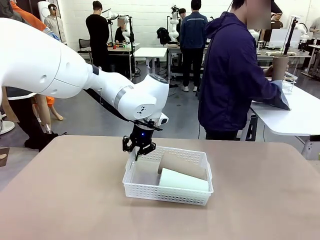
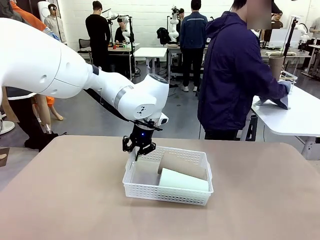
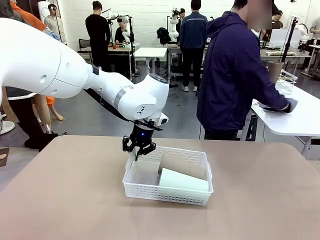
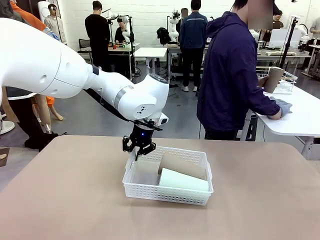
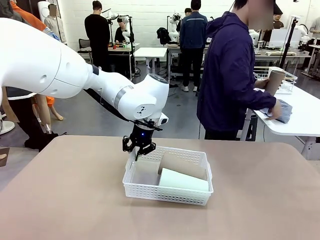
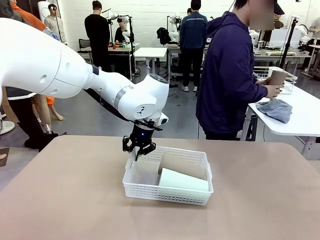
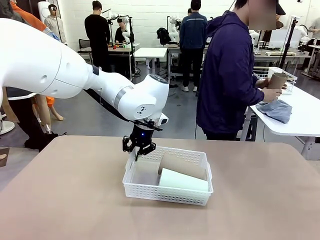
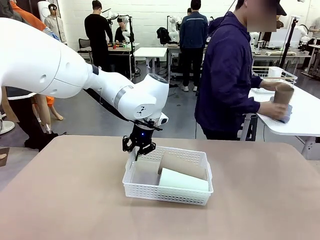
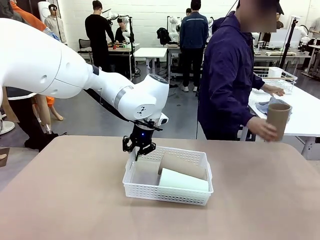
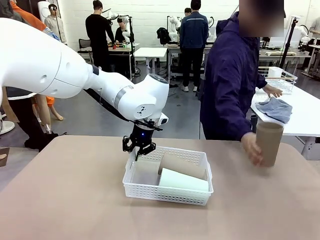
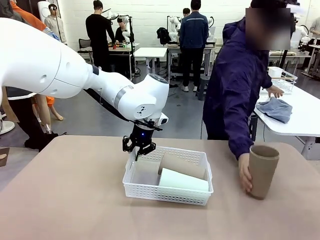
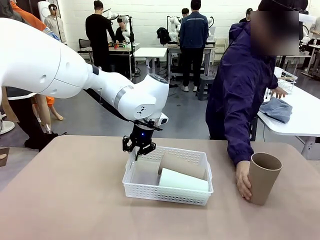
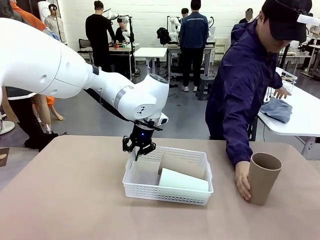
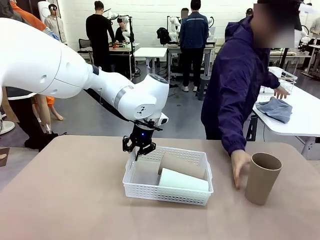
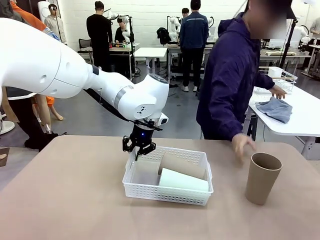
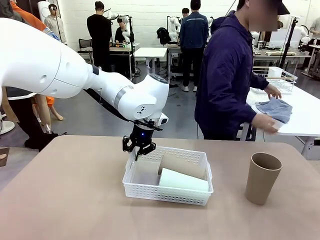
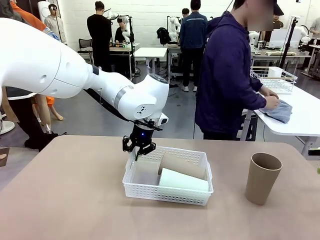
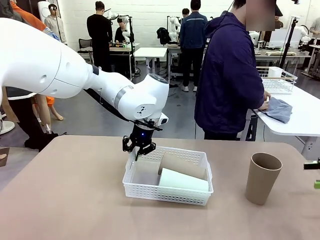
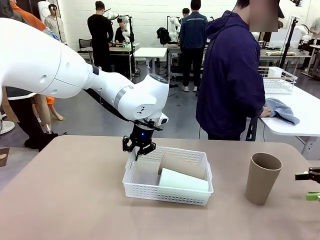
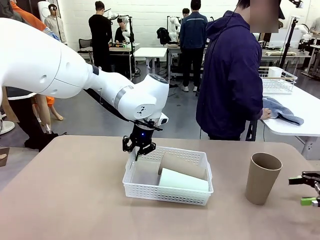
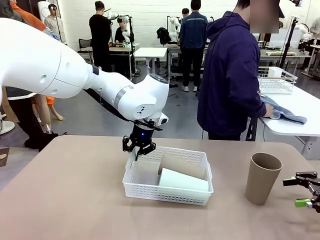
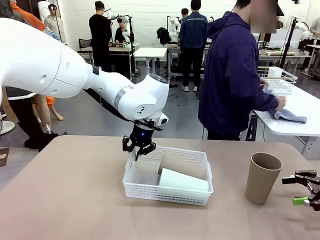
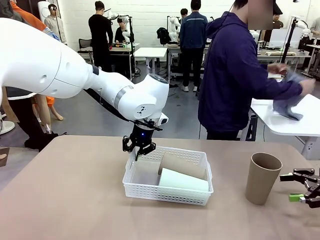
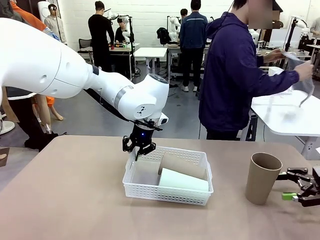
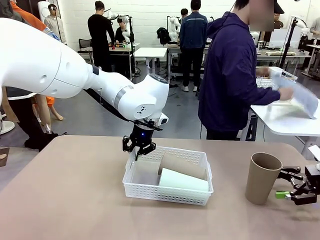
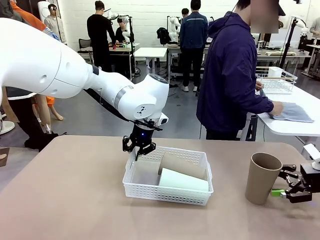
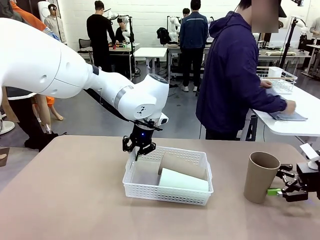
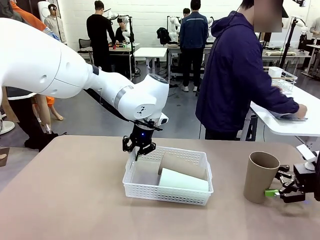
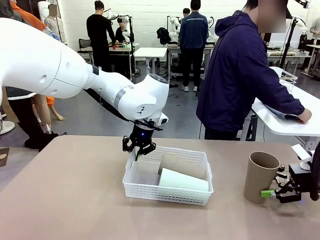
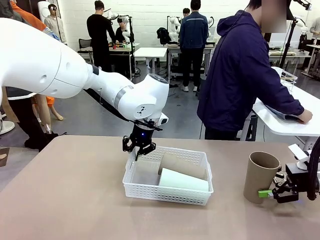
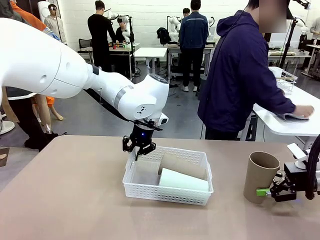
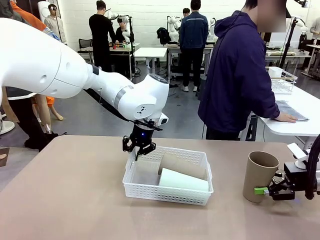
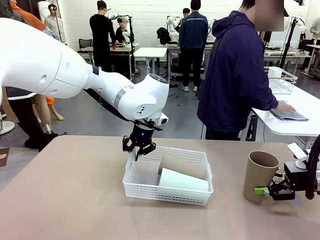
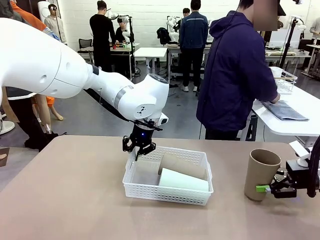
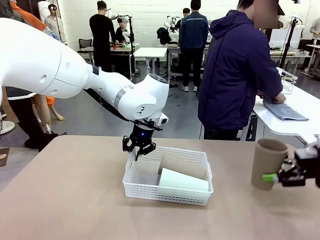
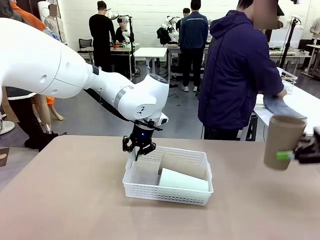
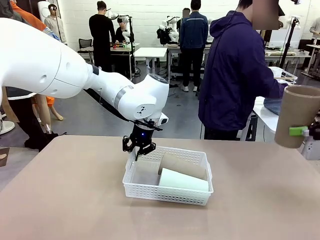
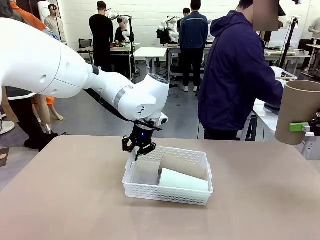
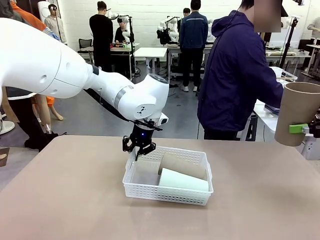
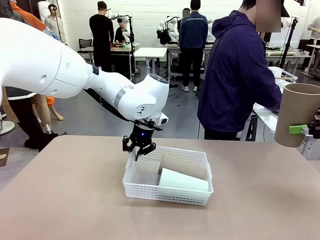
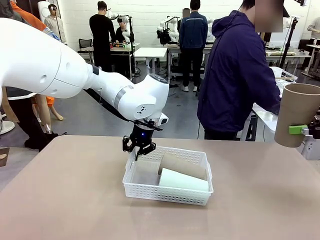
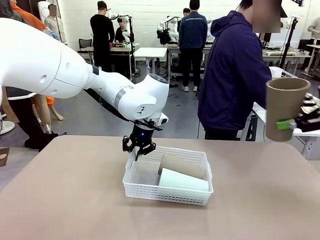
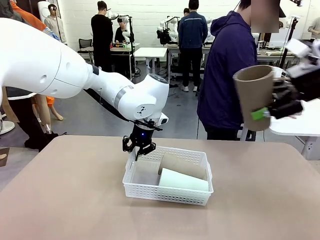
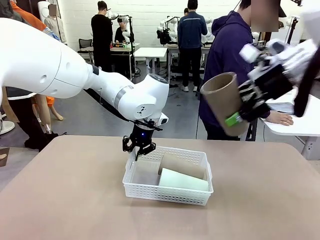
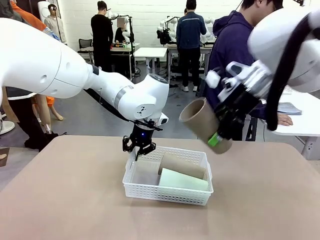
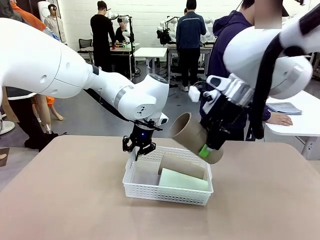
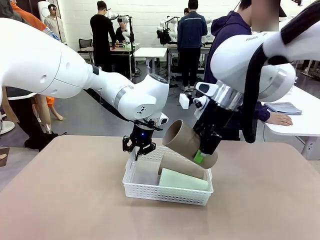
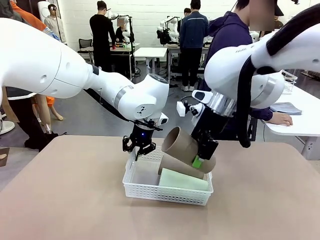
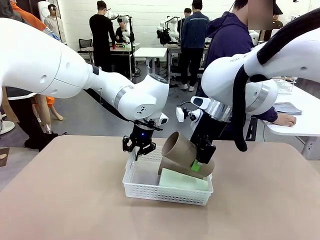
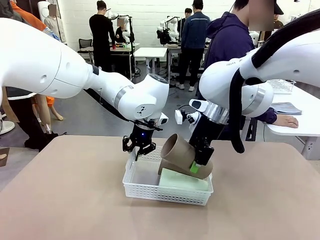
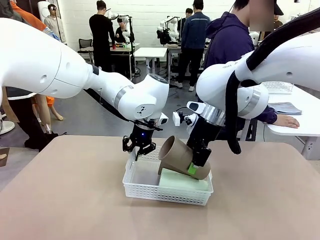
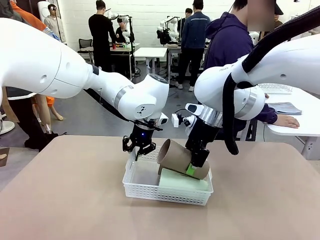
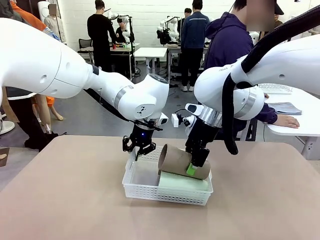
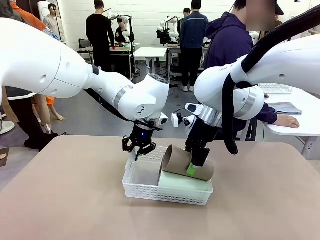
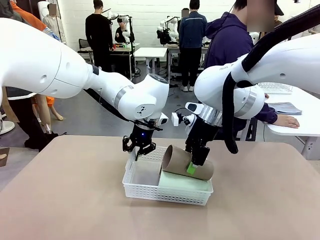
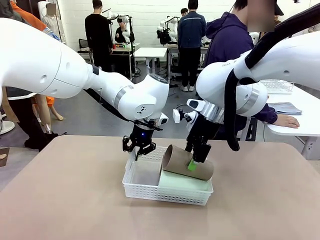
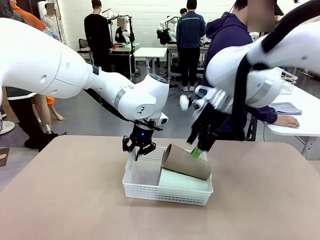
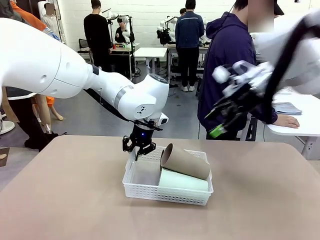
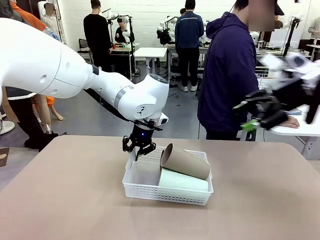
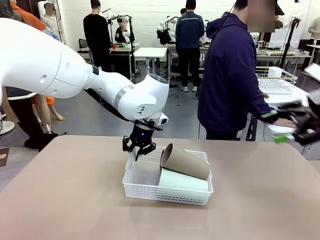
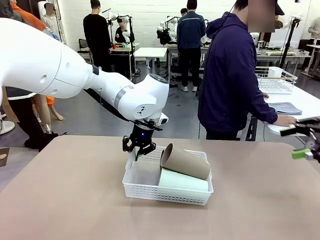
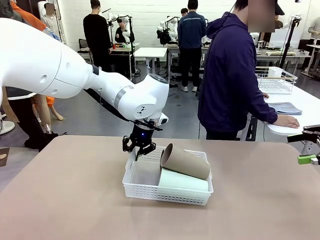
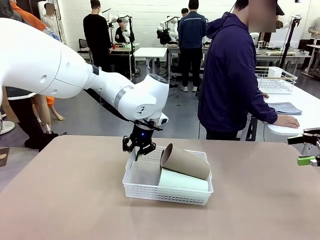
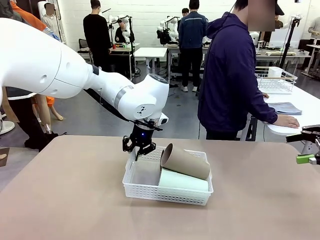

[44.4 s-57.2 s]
Task: Clean and organize the cups into the basket.
Robot: Pick up the Reusable plastic cup from the right side of the table and stack it inside the Organizing basket in the center of the table.

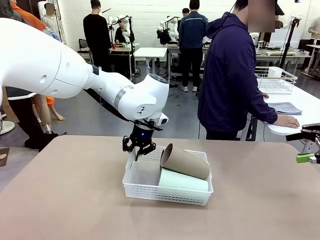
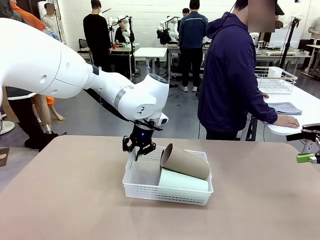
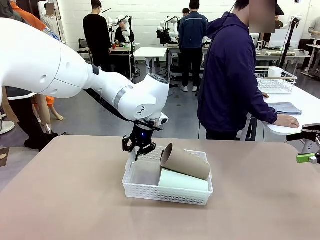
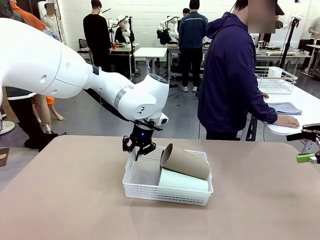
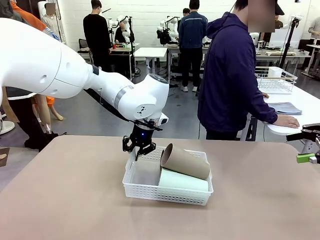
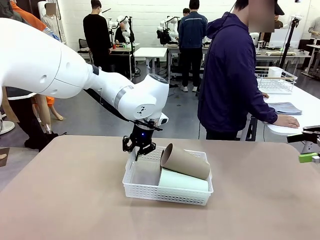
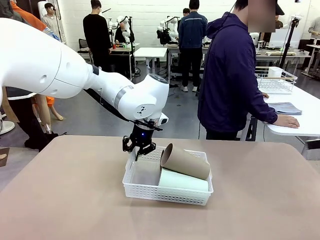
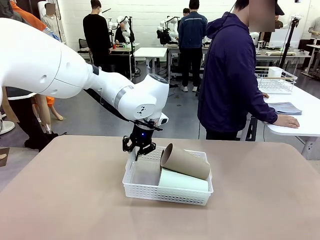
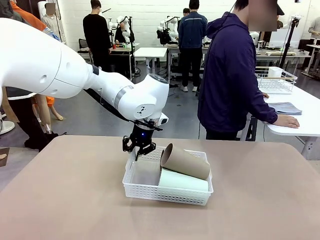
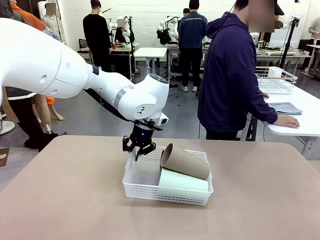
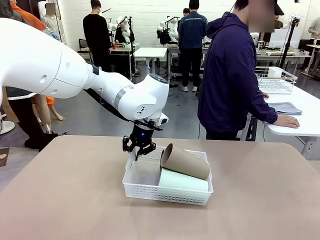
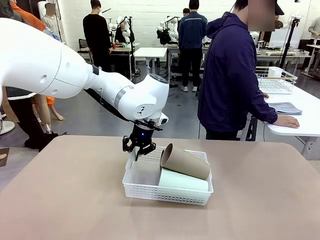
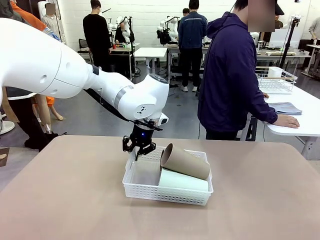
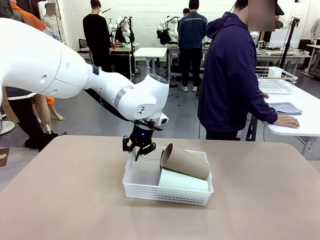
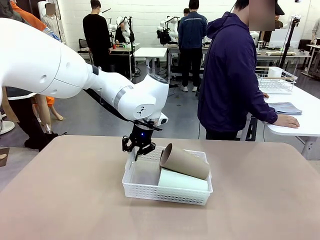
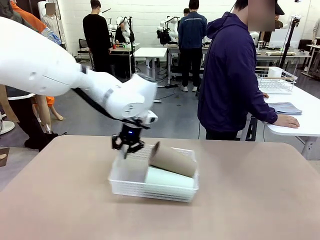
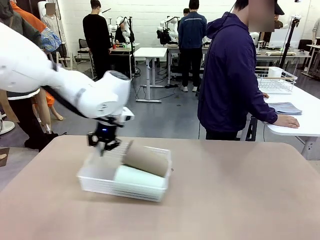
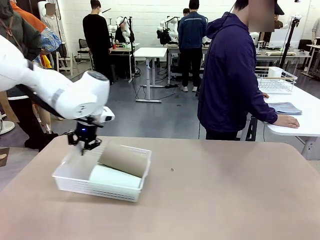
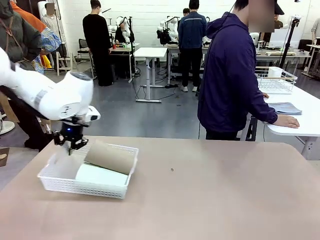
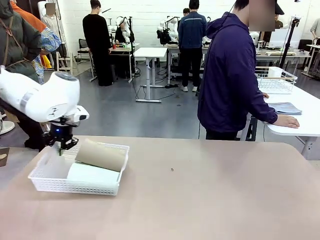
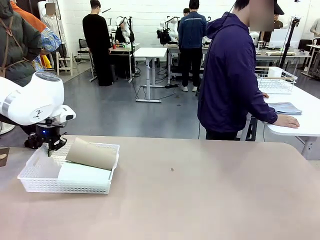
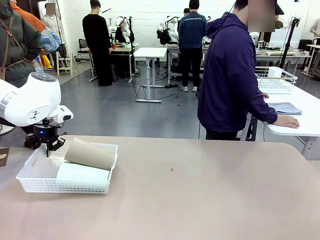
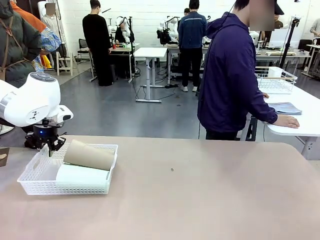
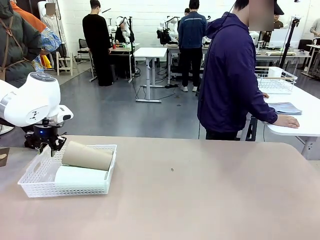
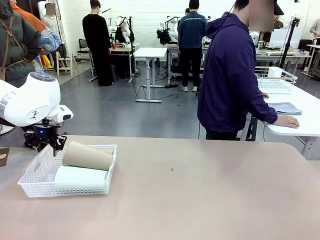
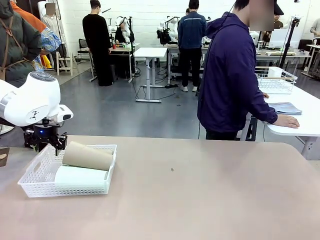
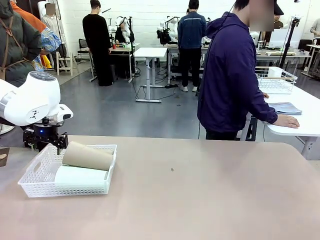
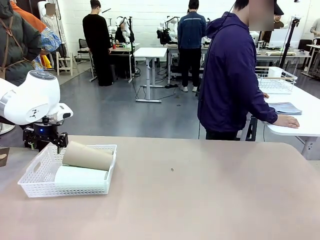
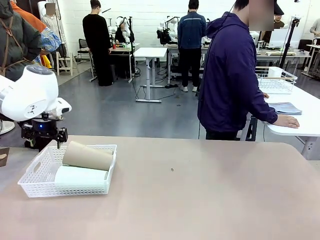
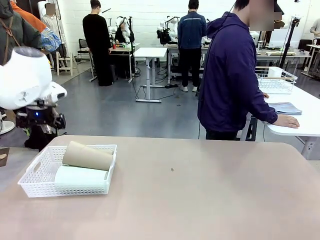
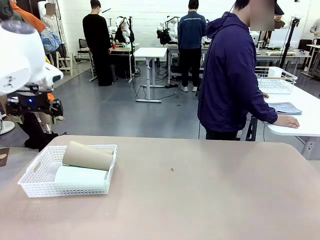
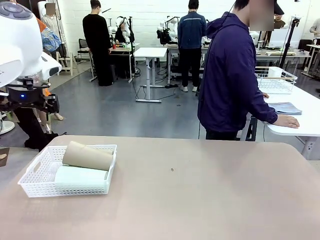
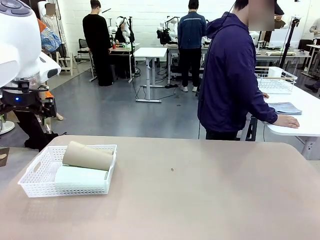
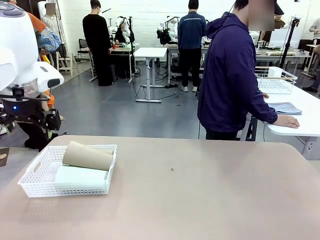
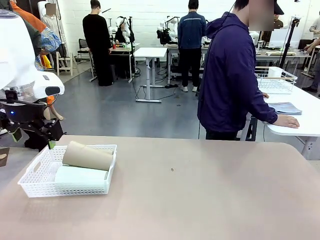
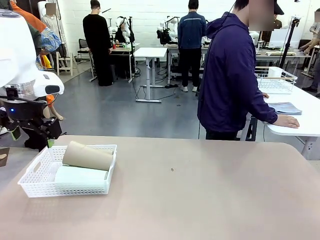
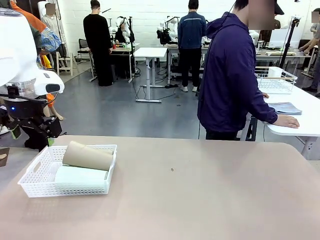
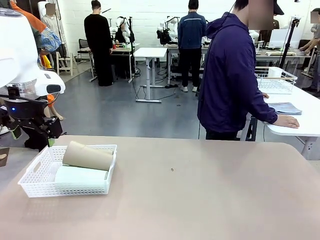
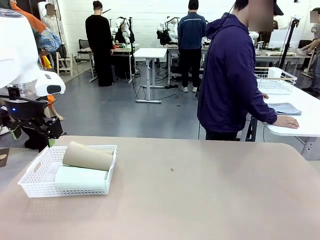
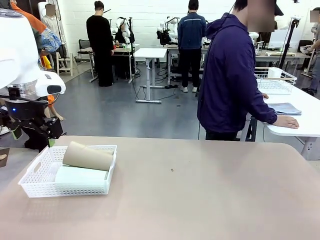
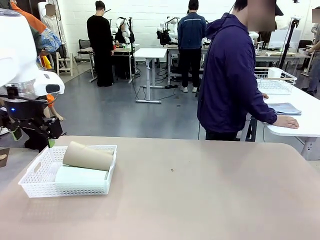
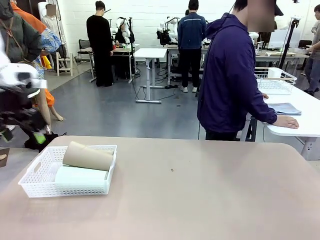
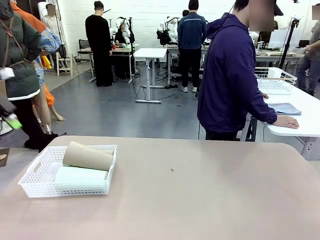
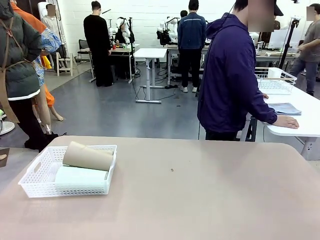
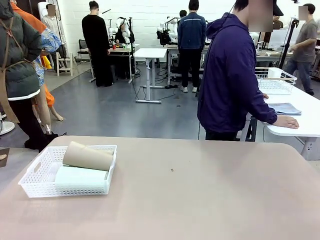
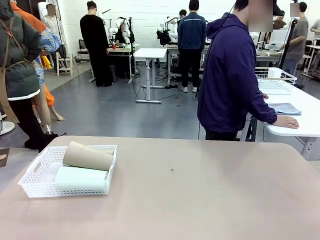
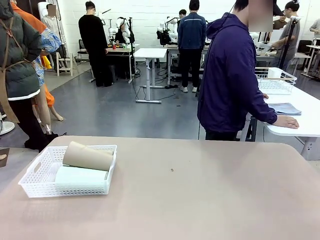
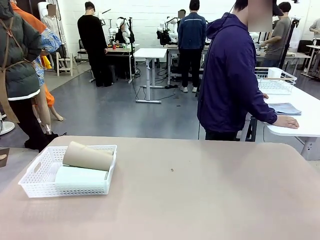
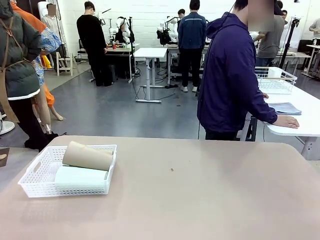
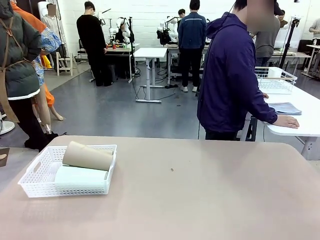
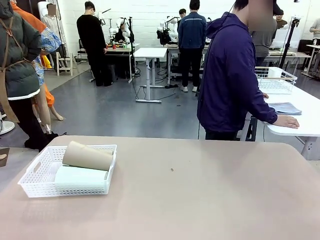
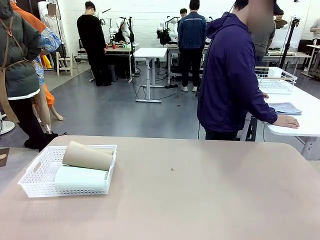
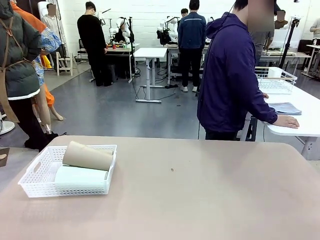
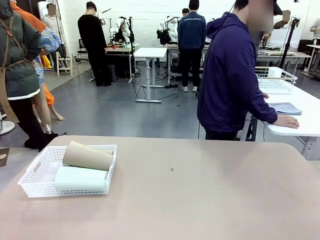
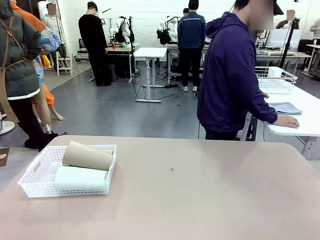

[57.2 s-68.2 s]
Robot: Move the Organizing basket back to the left side of the table.
Person: Folds the towel in half twice and places it in the right of the table.
